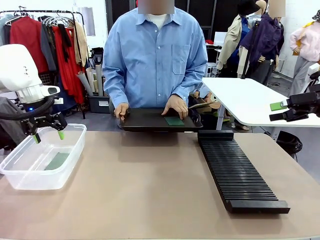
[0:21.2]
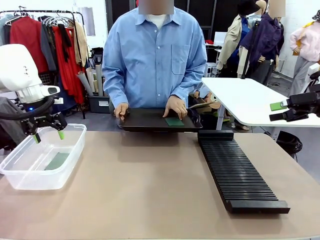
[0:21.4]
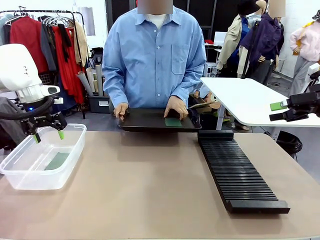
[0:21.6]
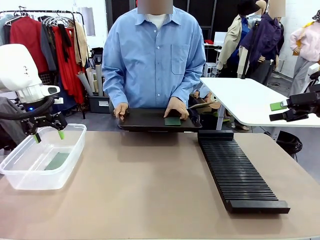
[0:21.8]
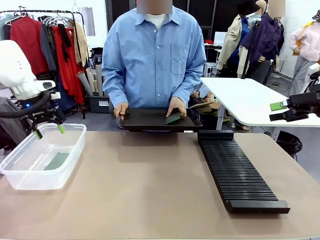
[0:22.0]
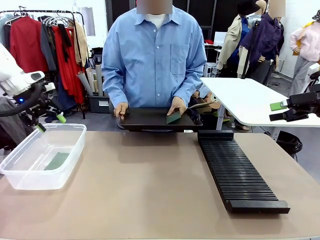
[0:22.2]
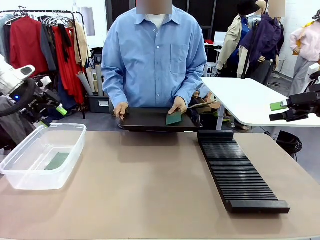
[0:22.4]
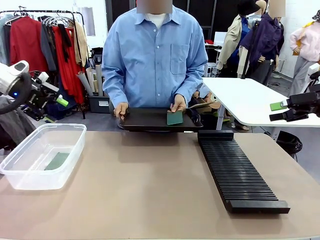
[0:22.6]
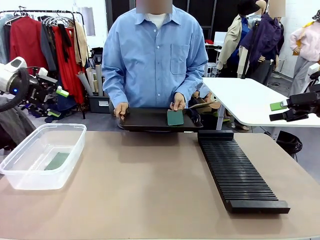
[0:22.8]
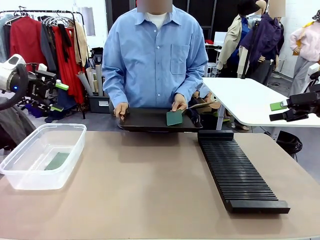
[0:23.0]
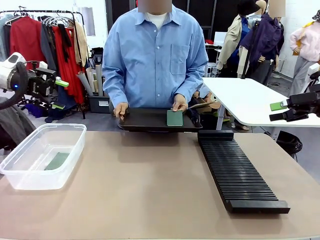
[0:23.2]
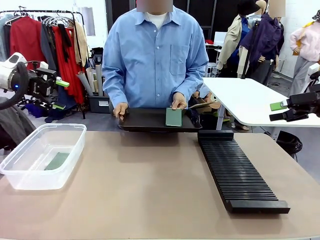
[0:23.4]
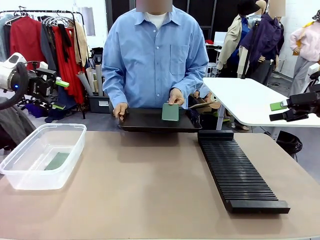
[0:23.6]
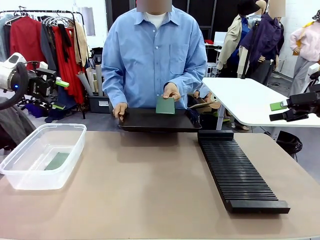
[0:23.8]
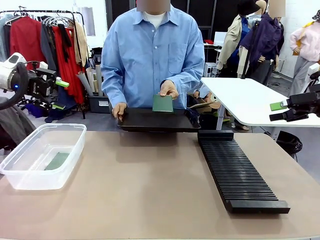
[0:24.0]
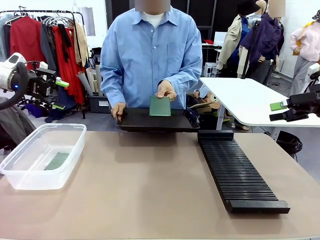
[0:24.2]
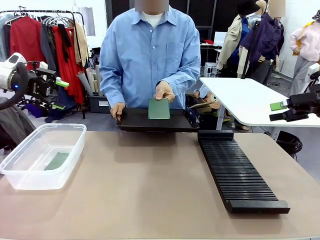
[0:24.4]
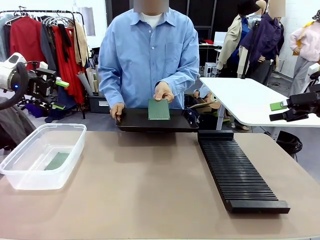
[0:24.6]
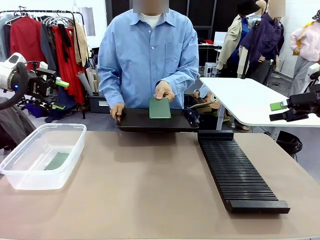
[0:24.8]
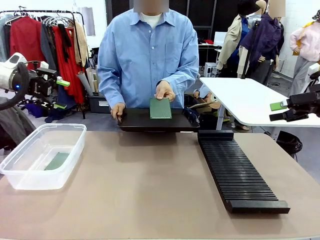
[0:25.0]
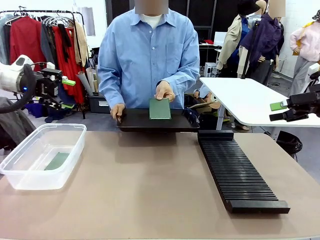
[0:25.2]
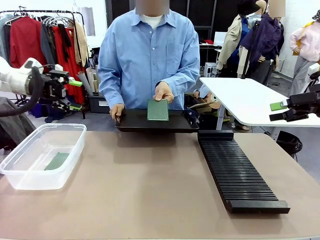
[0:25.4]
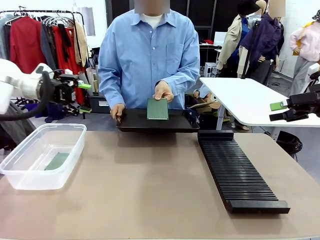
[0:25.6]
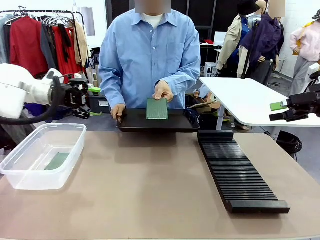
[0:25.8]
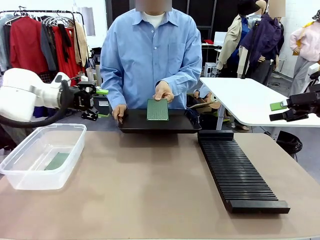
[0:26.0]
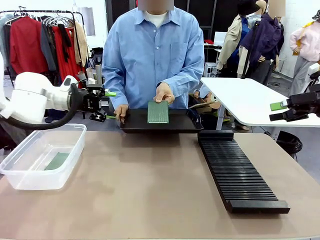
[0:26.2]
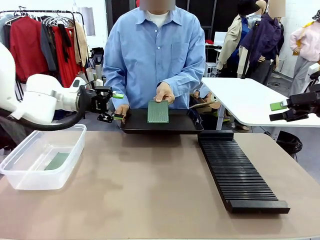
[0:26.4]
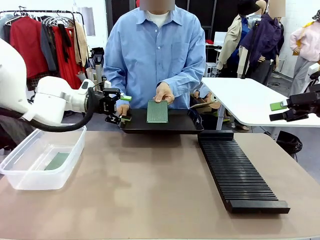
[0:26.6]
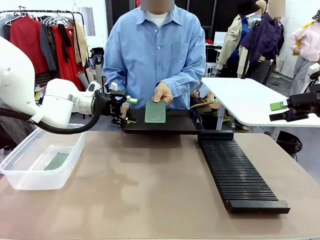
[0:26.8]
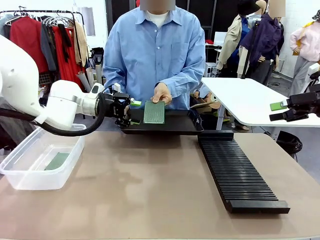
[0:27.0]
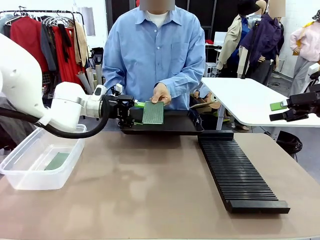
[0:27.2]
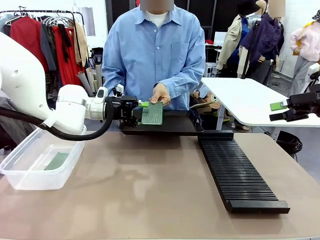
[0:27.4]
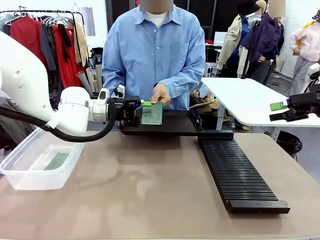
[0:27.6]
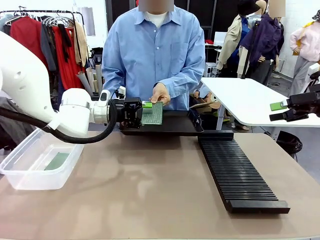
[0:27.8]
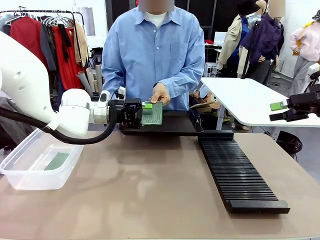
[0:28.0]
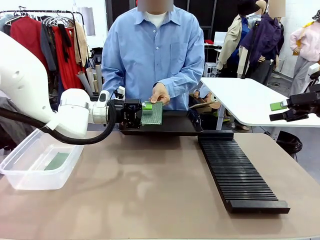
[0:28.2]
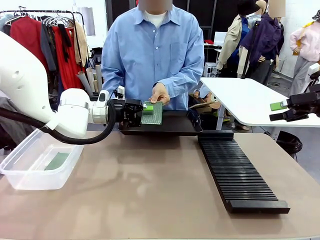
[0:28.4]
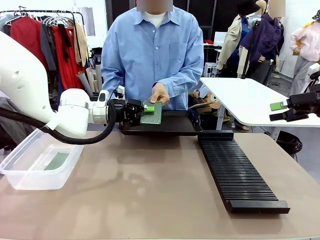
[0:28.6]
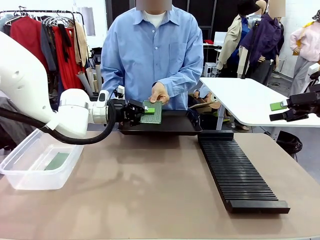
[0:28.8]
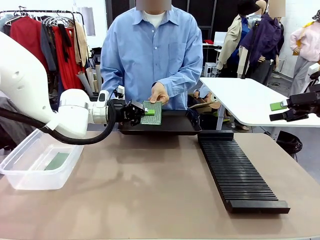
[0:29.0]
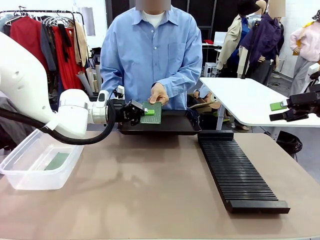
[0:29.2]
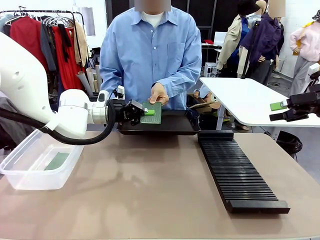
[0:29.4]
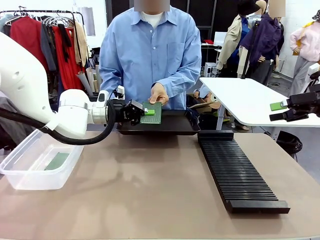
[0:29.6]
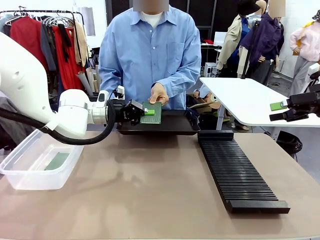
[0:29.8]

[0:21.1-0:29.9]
Task: Sort PCBs into racks and boxes based on the side picked up.
Robot: Pick up the Blank PCB handed by the Human.

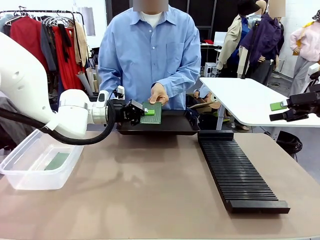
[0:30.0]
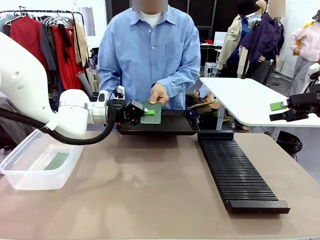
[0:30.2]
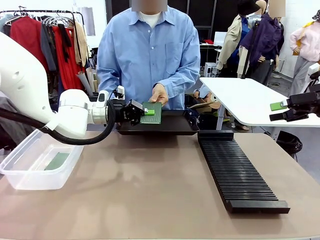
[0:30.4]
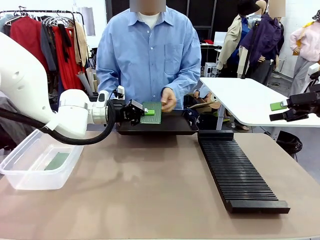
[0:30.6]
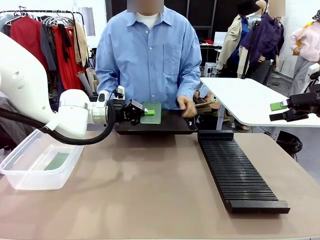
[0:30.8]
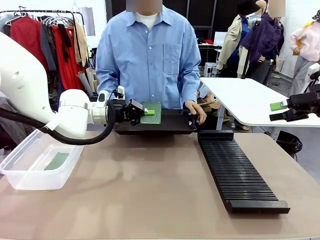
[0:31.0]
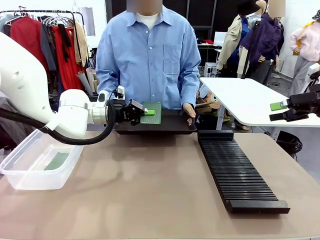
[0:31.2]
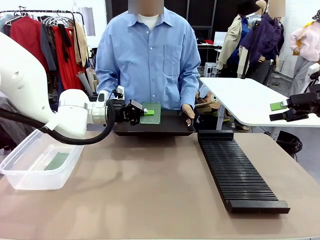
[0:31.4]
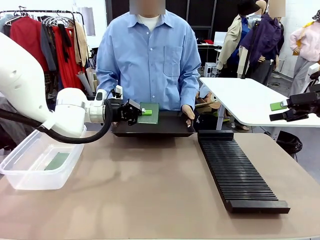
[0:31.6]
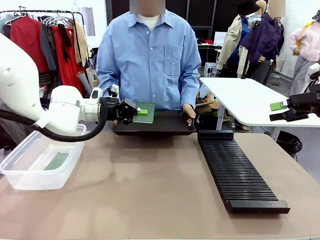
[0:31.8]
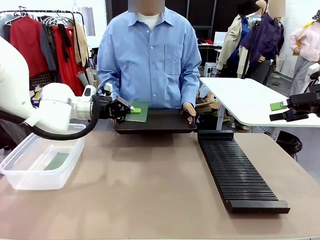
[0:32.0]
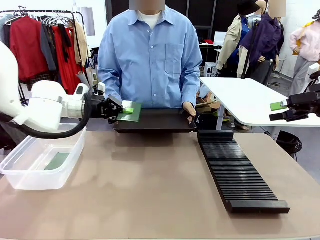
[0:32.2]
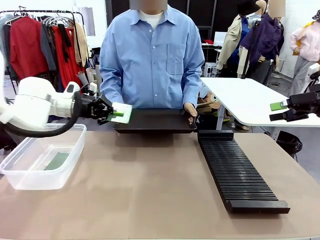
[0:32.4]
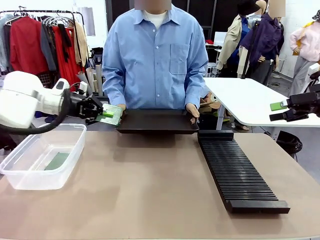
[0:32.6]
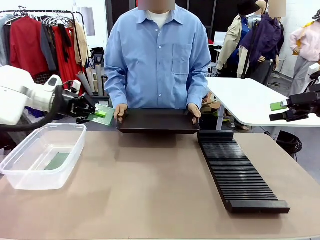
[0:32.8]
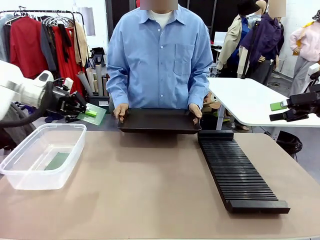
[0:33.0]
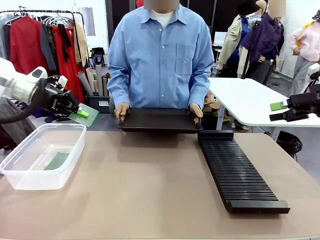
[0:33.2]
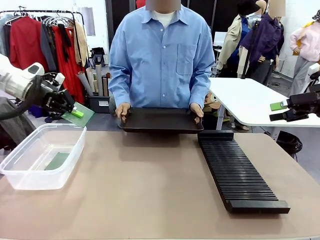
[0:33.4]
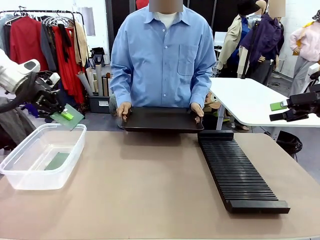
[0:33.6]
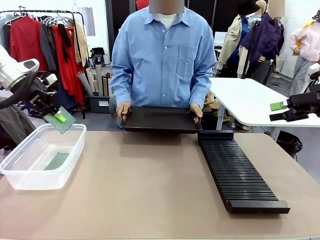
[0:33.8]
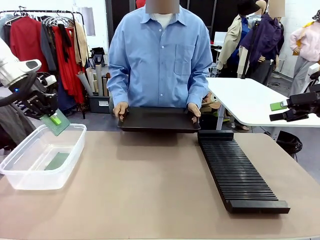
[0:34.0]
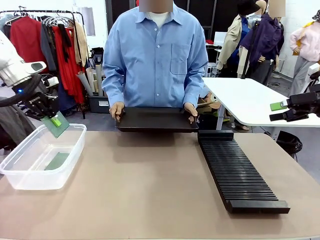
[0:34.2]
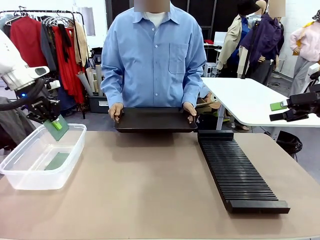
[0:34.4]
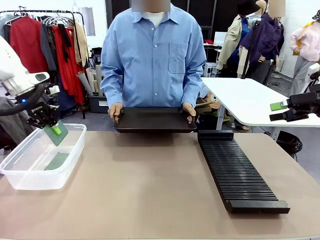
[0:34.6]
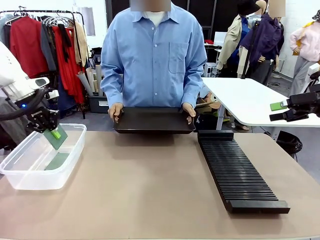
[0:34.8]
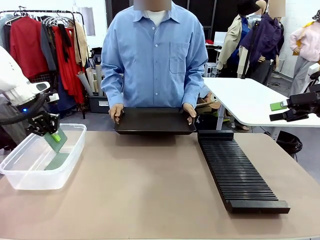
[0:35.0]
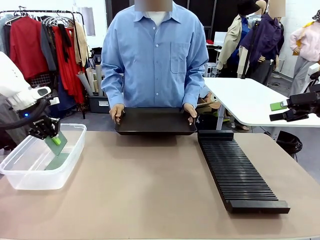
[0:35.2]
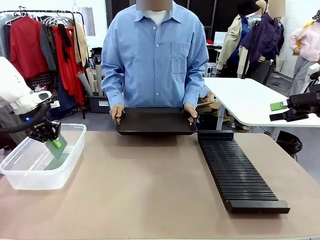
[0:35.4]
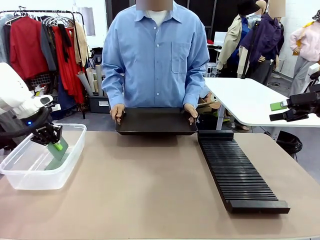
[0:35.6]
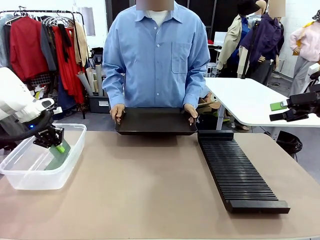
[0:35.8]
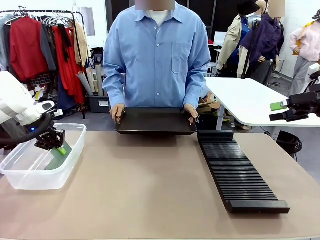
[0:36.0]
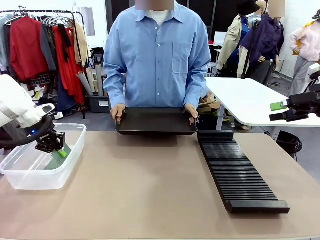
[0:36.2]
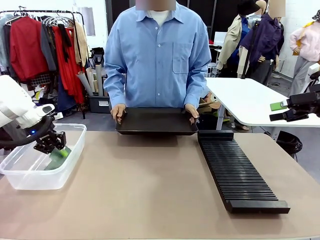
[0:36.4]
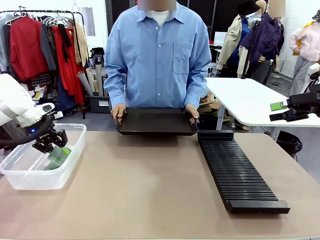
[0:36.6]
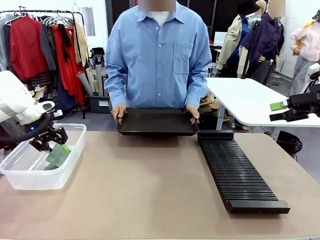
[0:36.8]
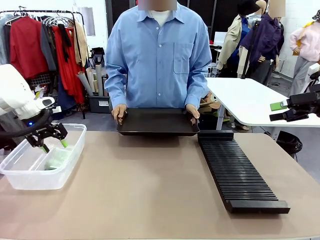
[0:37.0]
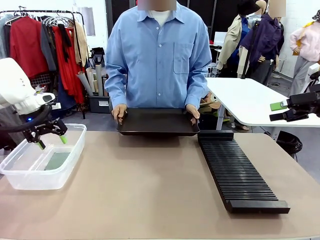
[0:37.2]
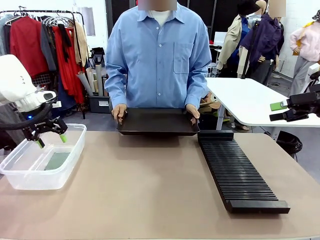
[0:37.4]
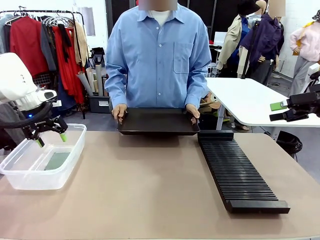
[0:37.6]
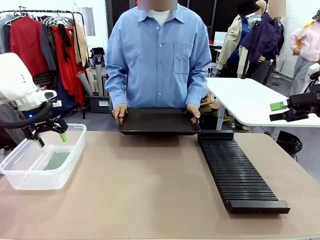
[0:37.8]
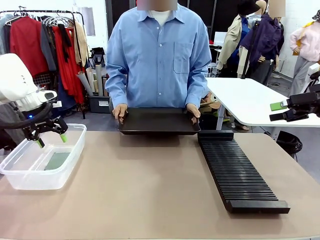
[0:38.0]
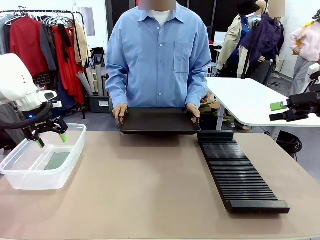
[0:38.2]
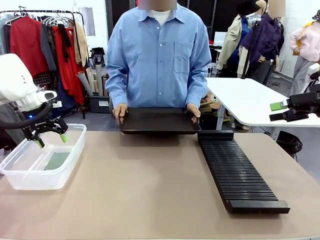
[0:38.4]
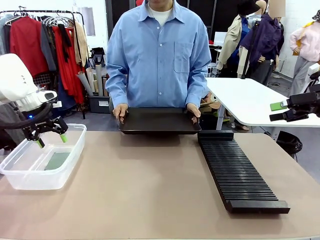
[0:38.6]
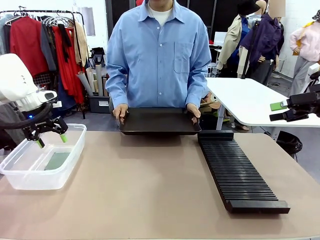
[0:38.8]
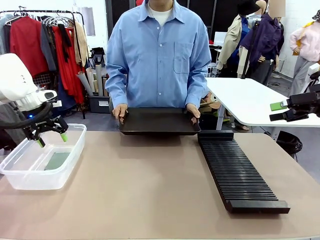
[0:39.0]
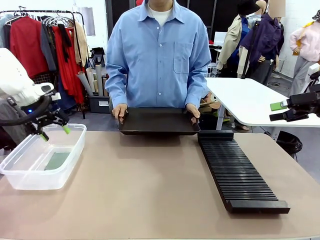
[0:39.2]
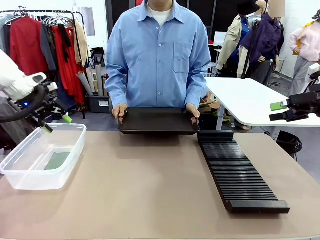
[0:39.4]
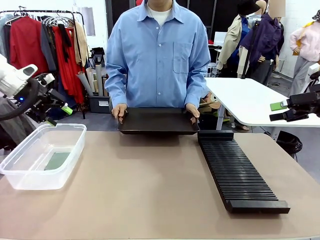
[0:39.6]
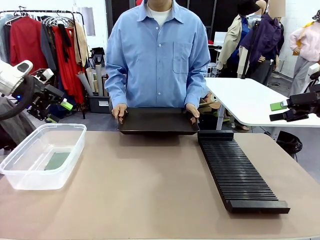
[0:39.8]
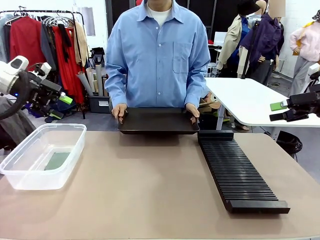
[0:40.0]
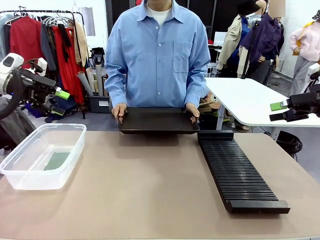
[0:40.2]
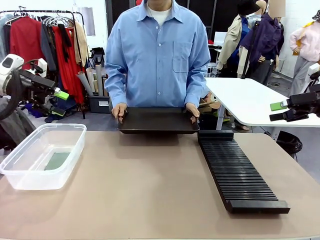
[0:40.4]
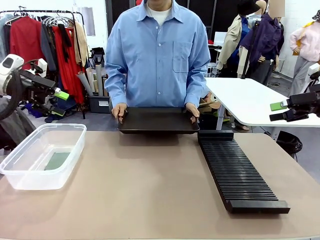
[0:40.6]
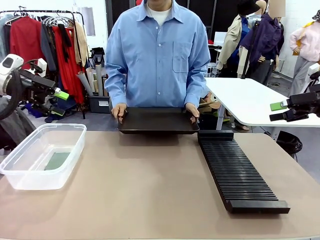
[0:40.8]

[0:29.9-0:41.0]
Robot: If the short side of the Blank PCB is picked up, insert it into the PCB Rack ; if the long side is picked up, place it in the Organizing box.
Person: Release the PCB being held.
